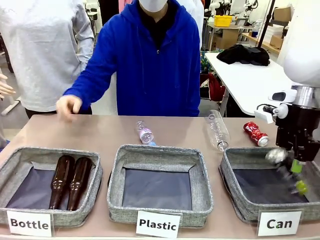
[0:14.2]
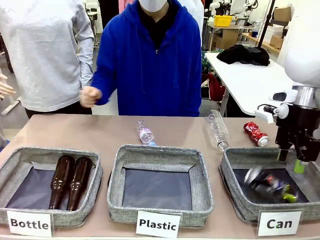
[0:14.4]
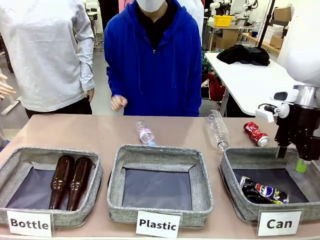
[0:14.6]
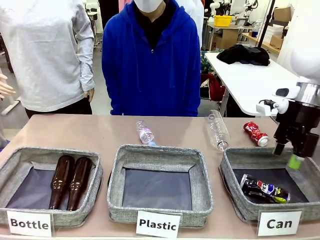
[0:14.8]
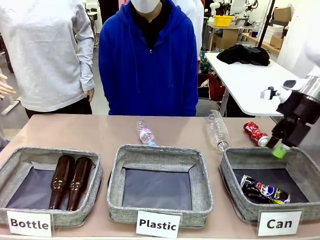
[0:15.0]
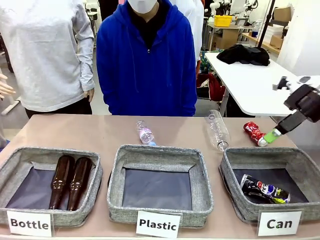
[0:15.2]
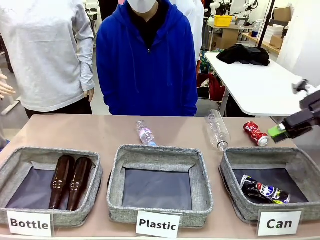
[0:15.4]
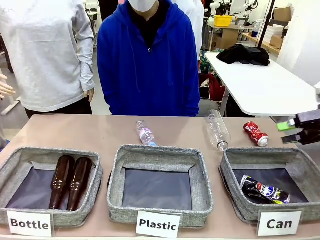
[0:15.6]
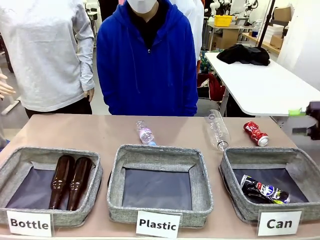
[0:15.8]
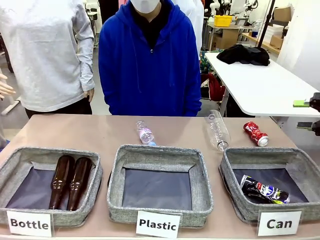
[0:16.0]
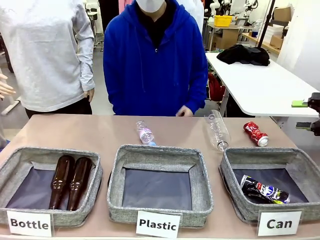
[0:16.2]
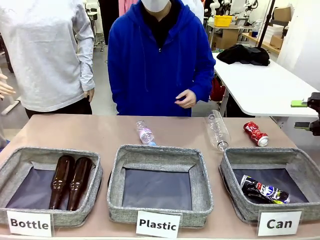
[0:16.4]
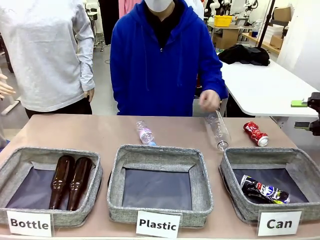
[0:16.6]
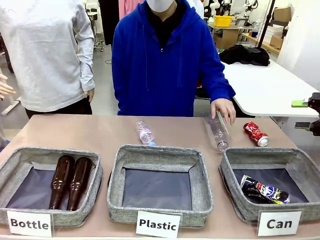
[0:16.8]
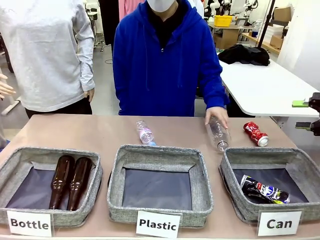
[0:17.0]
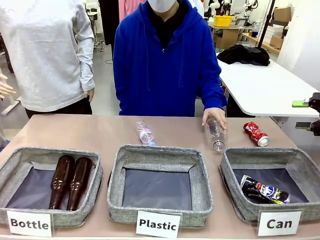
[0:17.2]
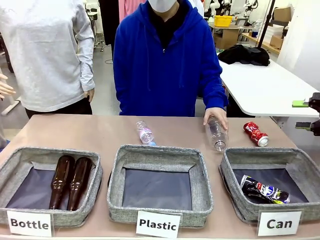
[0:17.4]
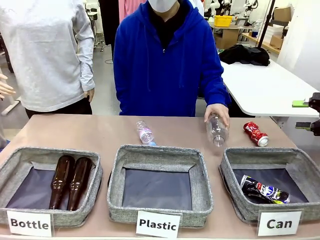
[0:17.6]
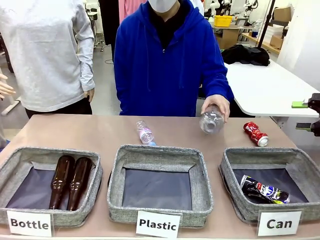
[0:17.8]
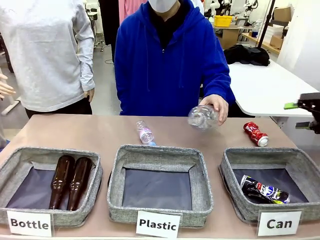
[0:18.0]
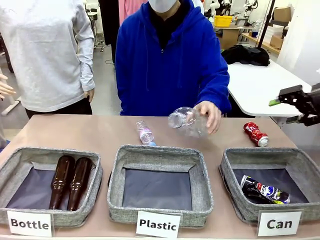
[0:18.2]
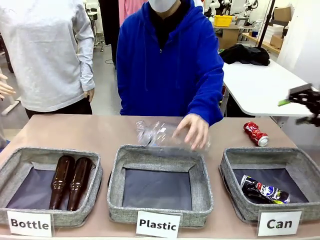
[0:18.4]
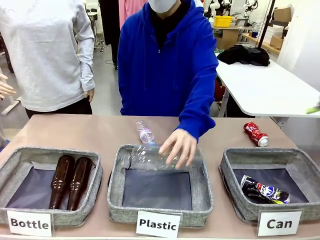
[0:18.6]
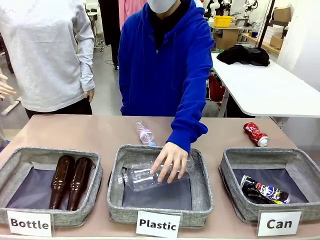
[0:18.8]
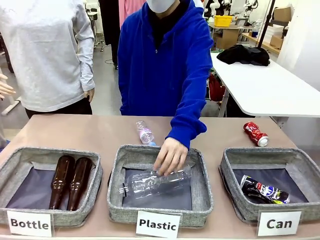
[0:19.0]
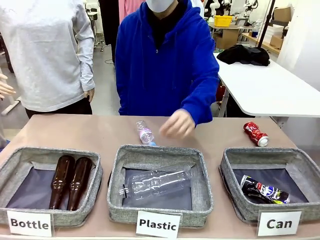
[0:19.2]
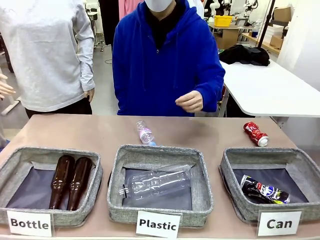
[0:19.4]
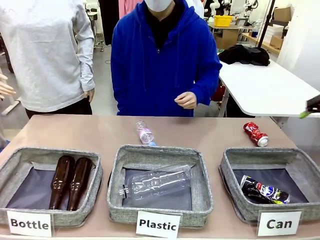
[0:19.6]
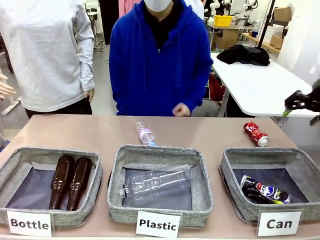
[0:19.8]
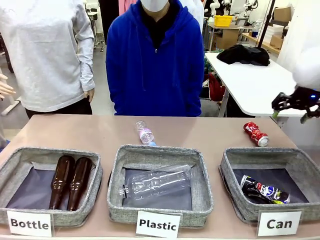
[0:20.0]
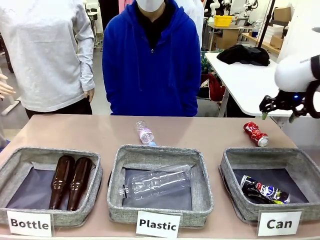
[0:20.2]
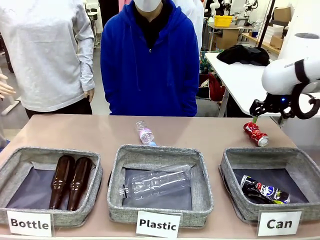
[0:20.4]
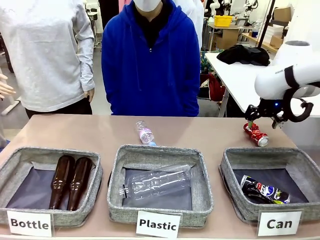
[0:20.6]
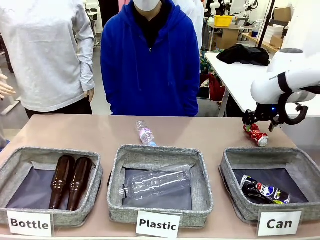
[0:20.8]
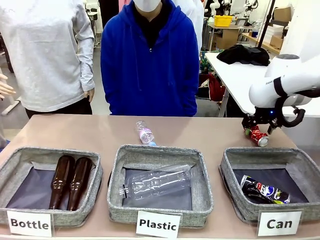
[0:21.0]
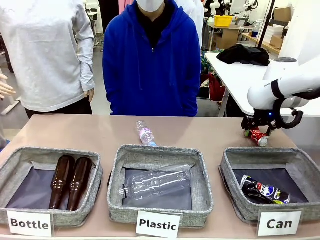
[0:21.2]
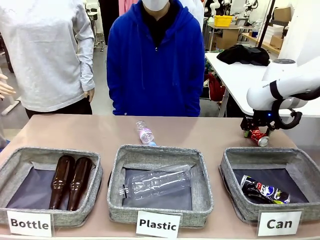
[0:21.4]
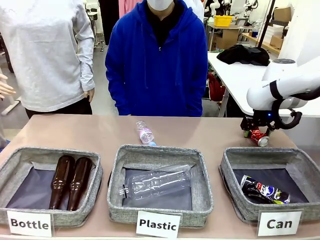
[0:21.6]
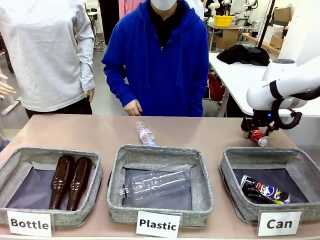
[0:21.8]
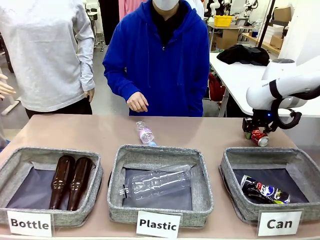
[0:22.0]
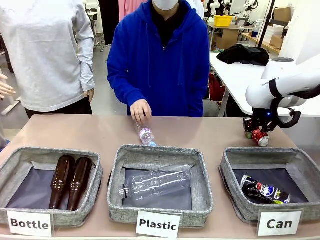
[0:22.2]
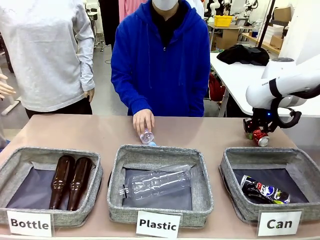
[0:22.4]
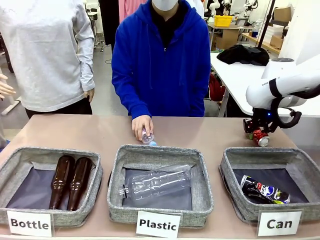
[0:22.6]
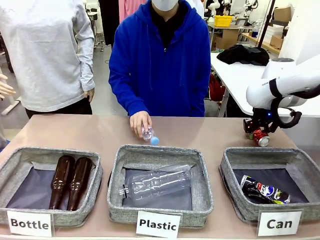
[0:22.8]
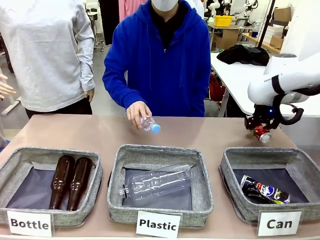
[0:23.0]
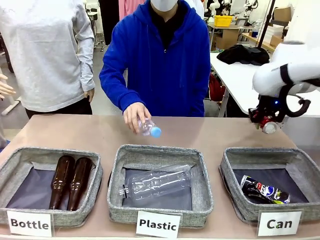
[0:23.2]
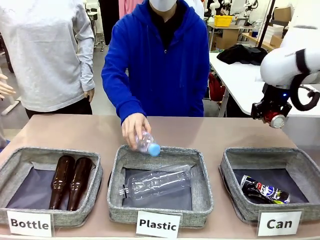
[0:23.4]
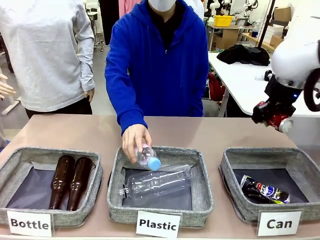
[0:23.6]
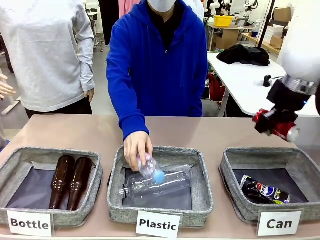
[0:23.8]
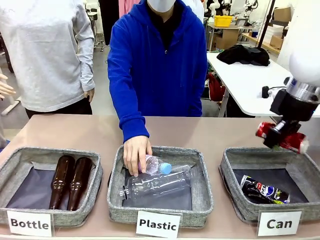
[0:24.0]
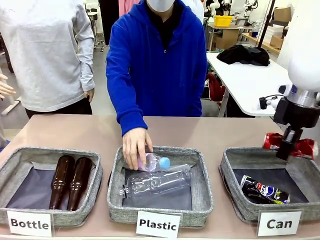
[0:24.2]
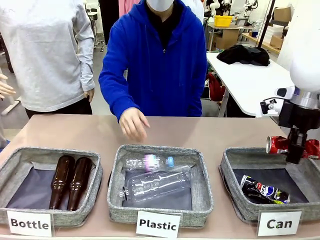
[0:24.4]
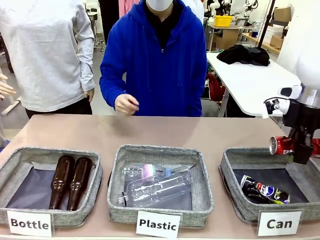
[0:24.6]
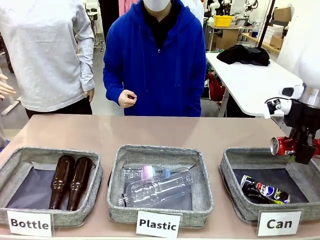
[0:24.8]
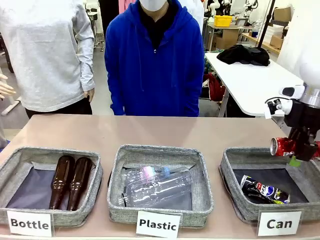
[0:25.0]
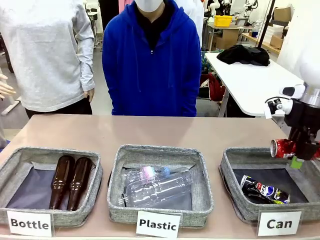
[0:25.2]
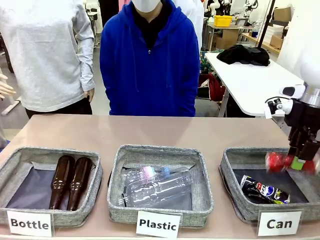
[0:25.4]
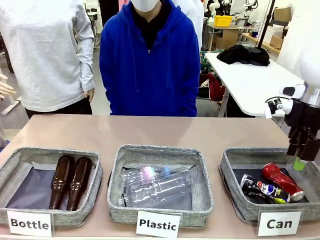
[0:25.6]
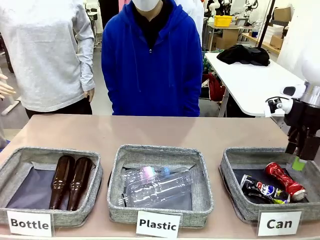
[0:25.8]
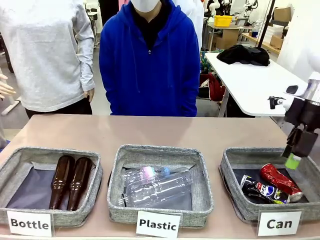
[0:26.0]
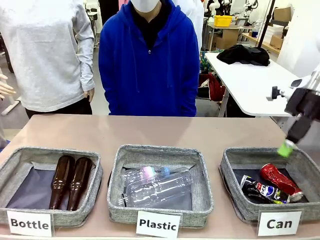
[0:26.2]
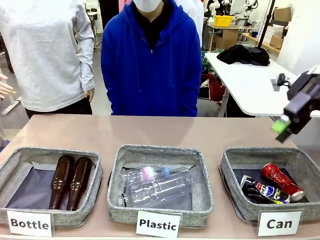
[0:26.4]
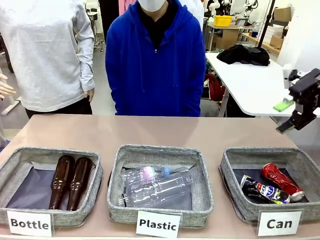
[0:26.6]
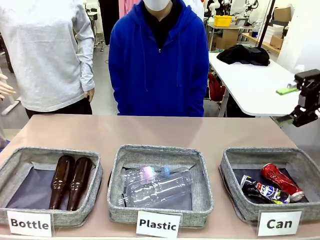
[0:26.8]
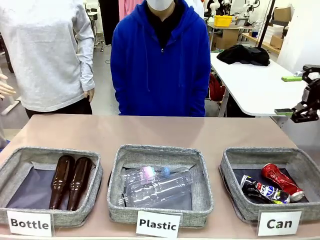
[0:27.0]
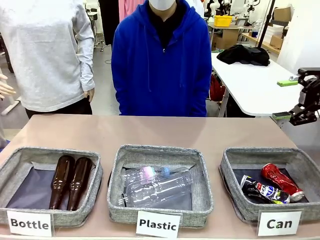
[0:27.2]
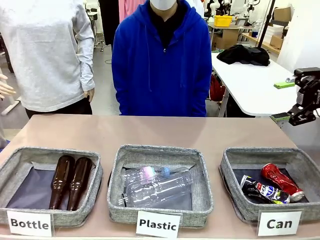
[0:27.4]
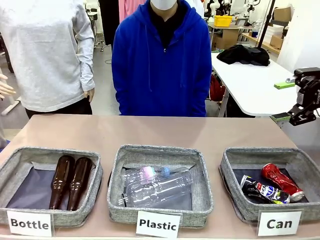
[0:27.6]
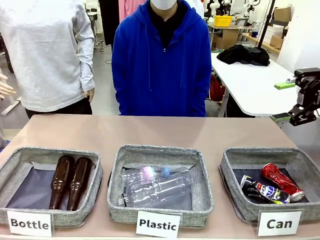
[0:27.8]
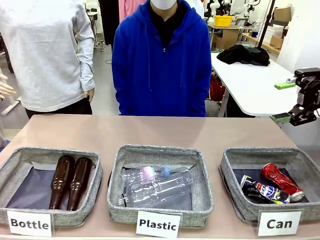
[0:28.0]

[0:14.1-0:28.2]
Task: Sort the can waste into the basket.
Robot: Pick up the can waste from the table and place it in the right Fabric basket.

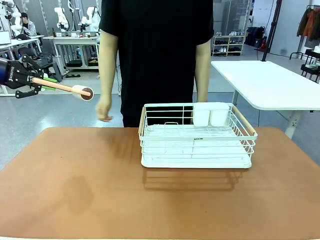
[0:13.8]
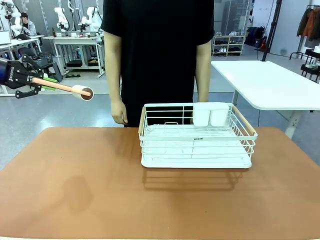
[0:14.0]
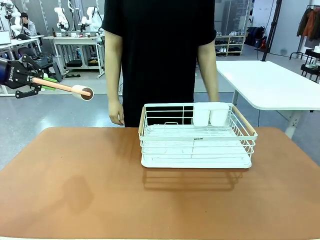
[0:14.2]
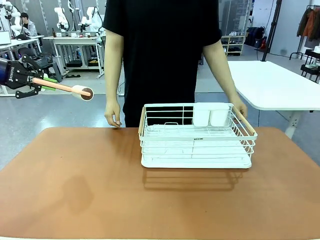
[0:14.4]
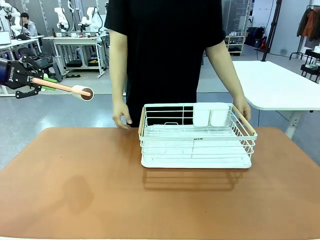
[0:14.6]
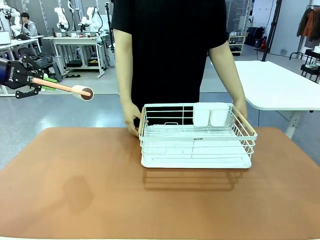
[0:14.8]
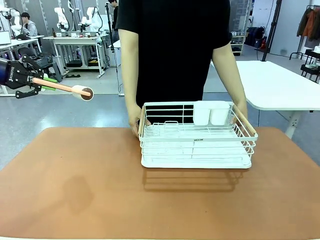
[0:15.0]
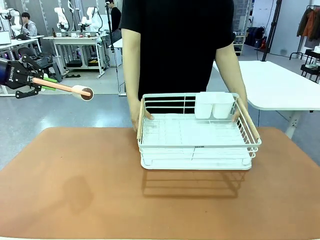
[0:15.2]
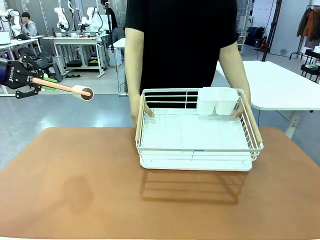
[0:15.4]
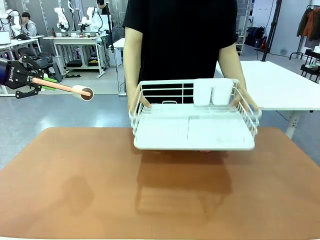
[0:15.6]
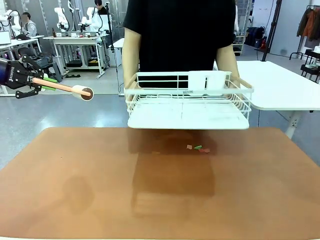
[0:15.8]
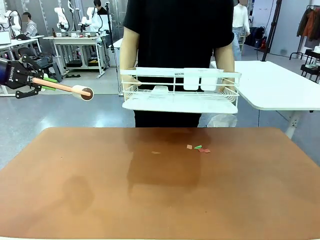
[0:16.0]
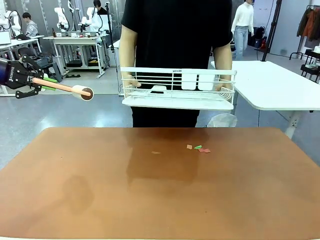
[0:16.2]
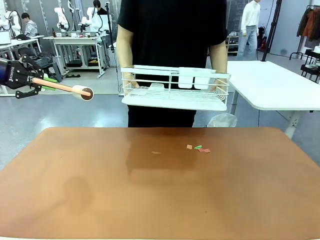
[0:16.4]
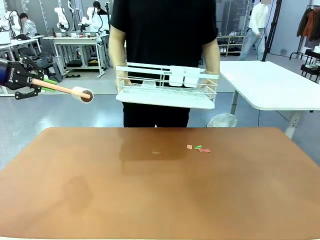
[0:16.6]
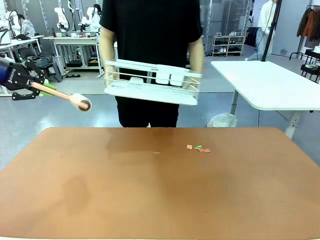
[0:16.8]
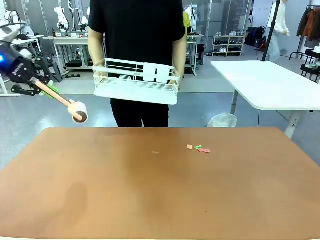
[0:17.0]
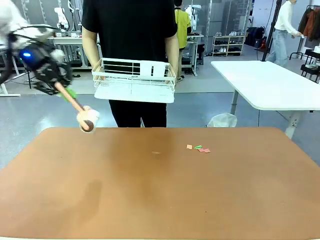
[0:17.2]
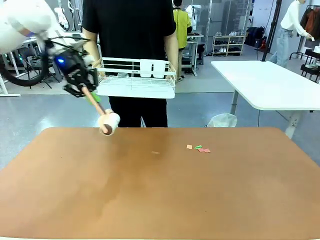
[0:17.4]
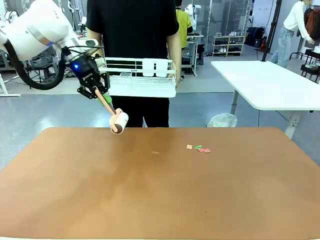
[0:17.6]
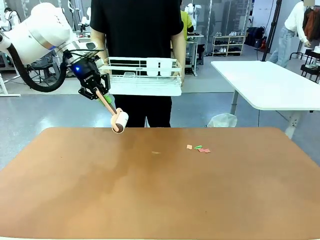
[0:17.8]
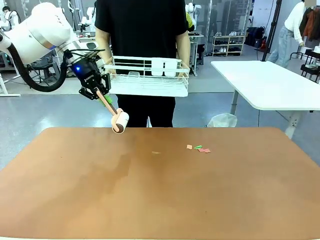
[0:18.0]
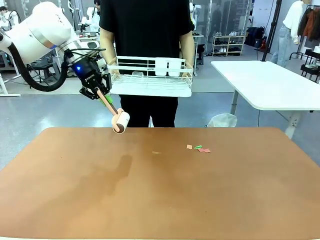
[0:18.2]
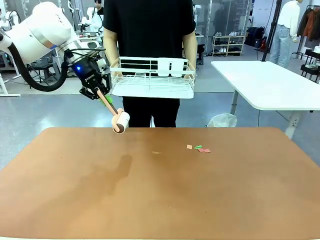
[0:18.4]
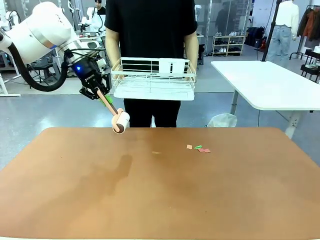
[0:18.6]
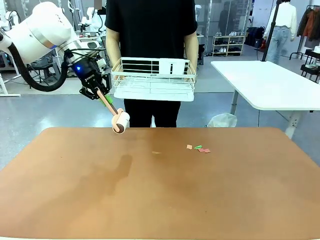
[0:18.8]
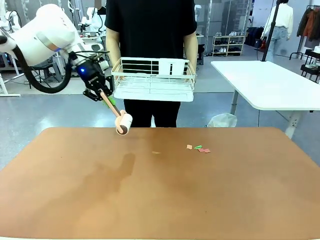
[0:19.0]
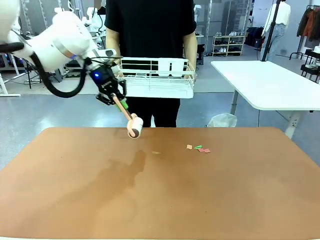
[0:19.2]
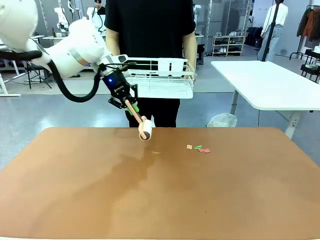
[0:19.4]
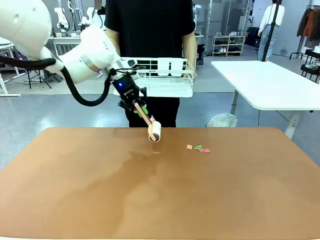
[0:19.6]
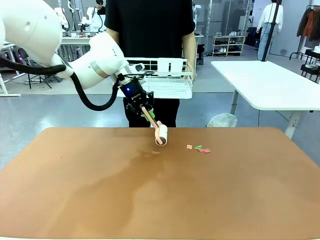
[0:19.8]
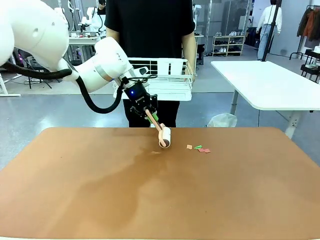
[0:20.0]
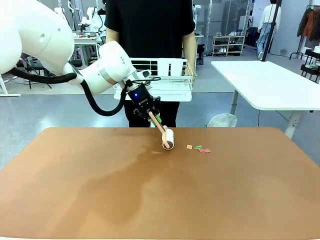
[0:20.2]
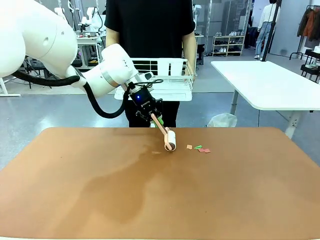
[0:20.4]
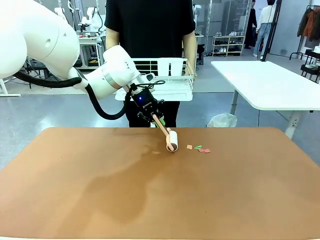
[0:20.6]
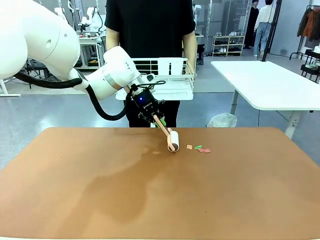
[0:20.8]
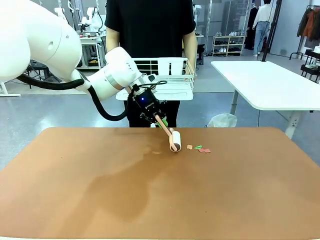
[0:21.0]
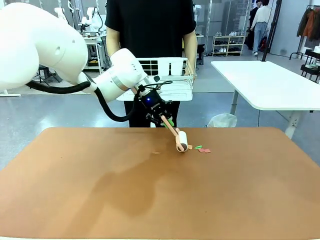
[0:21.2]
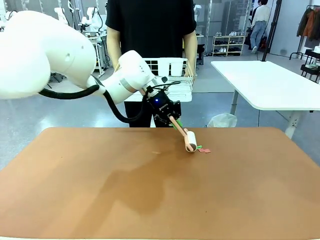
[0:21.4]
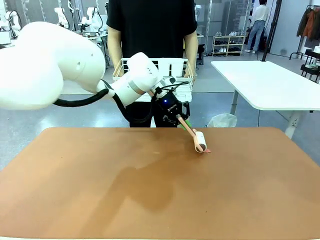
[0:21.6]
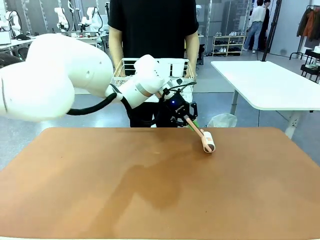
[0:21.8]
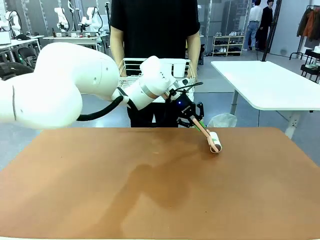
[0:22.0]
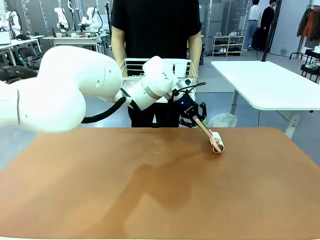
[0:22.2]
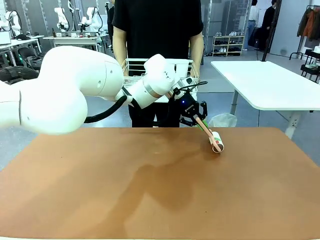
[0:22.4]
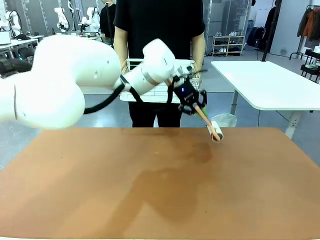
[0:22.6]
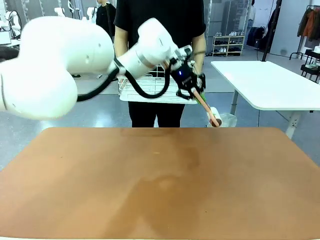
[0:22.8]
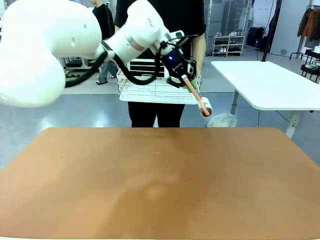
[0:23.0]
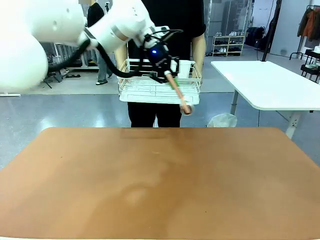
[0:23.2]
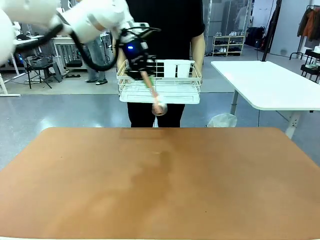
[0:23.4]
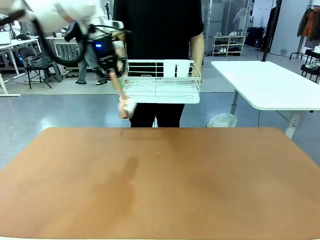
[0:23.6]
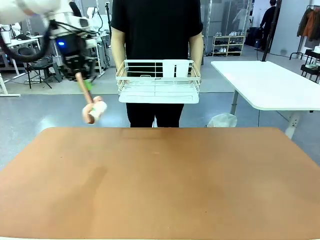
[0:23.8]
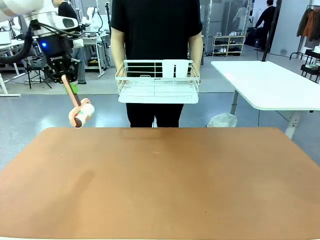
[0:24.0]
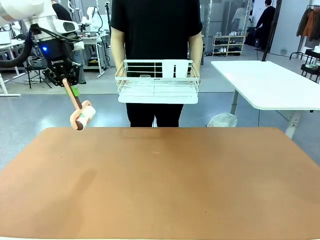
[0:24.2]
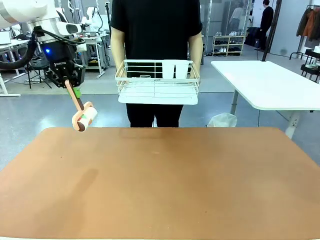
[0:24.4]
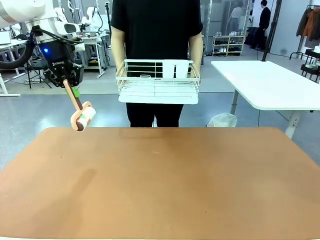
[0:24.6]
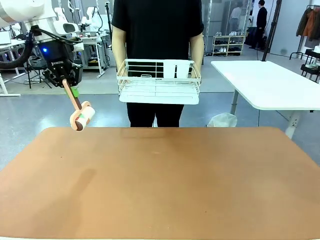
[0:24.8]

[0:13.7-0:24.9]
Task: Clean the table.
Robot: Clean the table with the Lint Roller when the human lifts the Dish drying rack.
